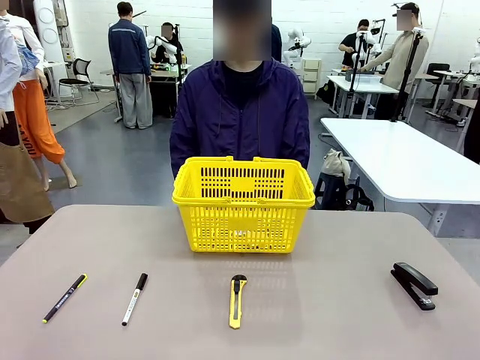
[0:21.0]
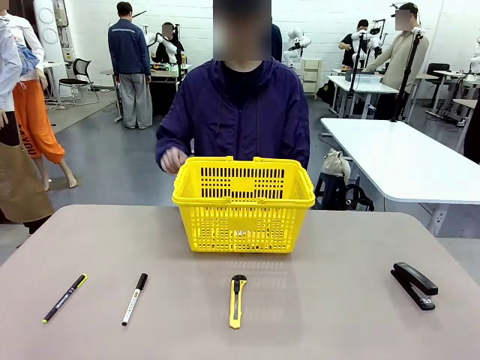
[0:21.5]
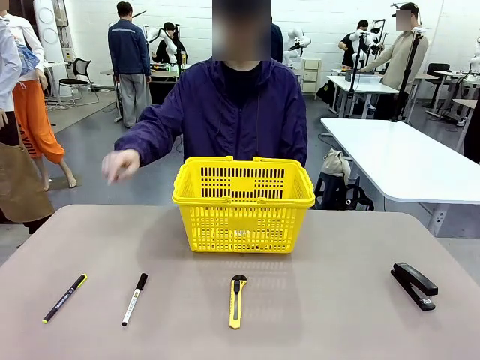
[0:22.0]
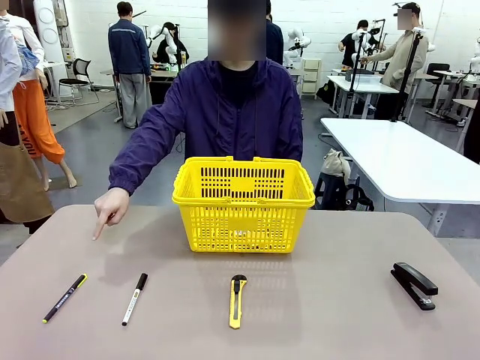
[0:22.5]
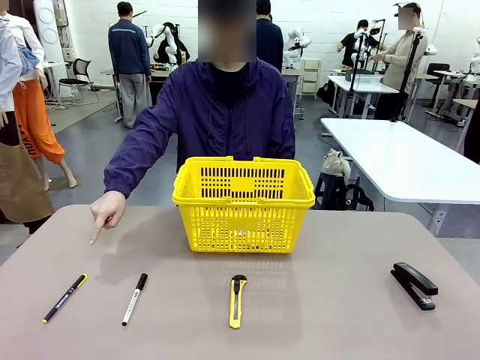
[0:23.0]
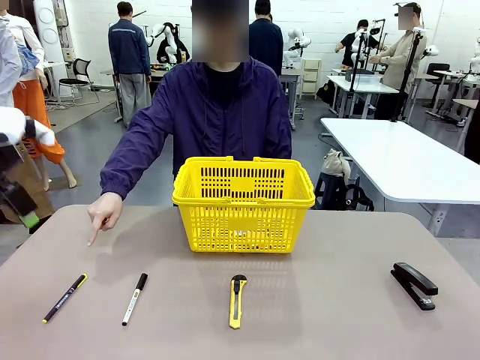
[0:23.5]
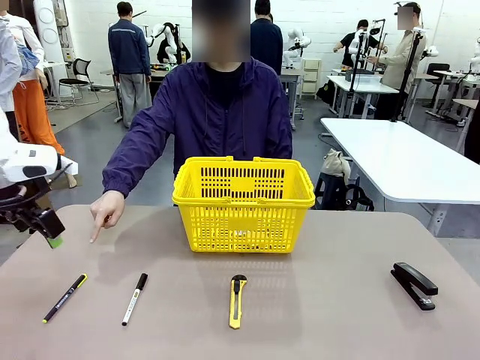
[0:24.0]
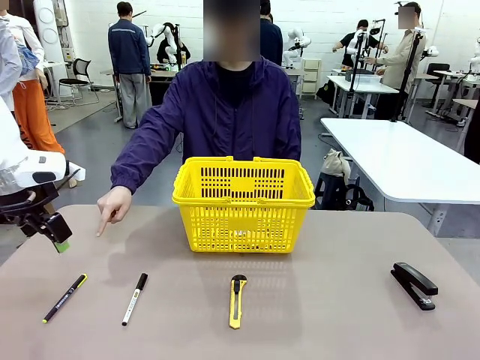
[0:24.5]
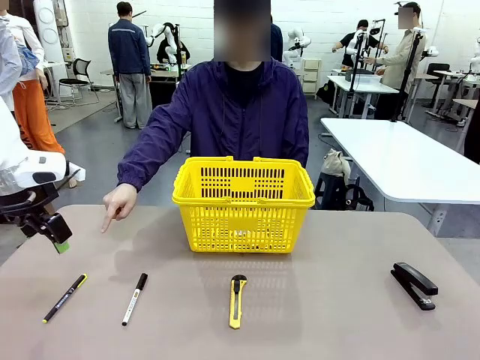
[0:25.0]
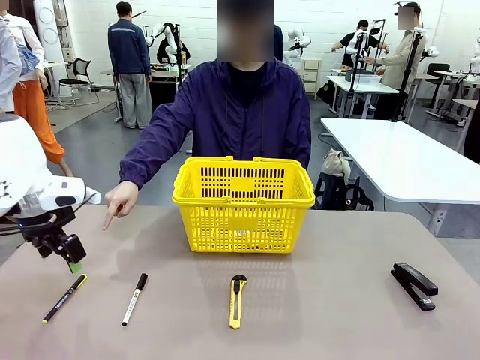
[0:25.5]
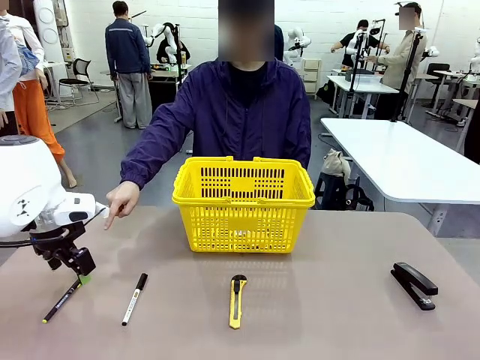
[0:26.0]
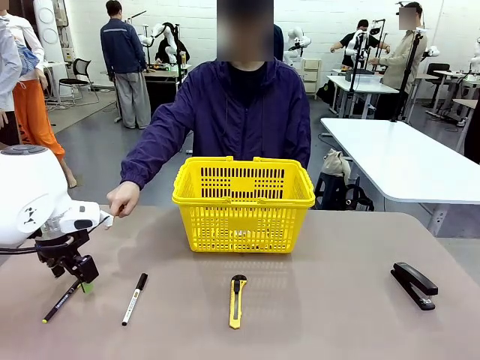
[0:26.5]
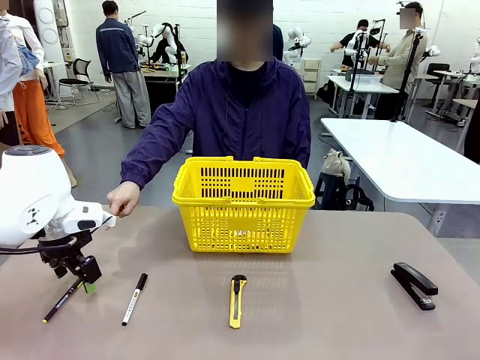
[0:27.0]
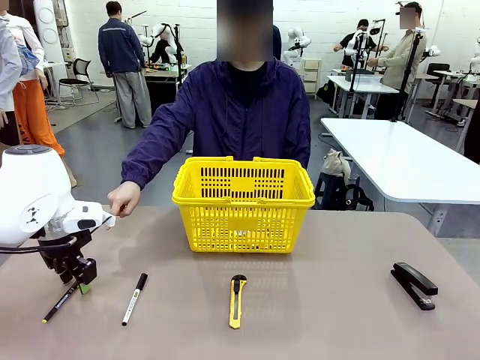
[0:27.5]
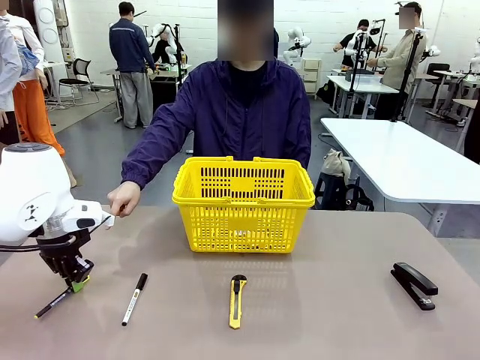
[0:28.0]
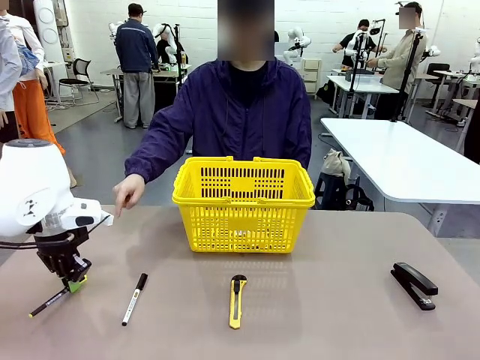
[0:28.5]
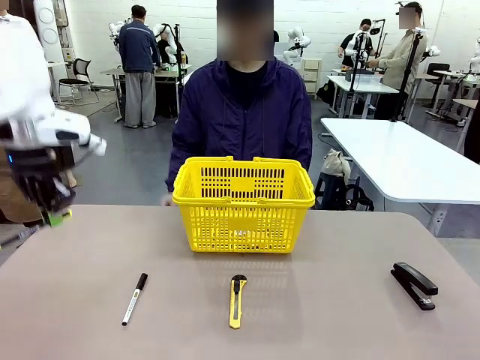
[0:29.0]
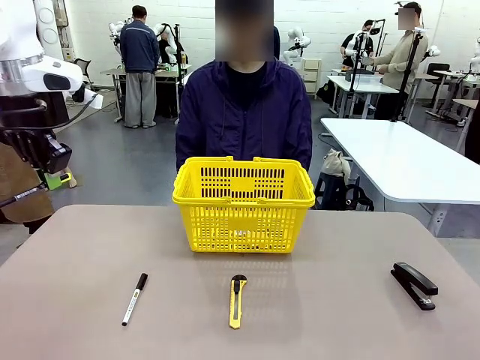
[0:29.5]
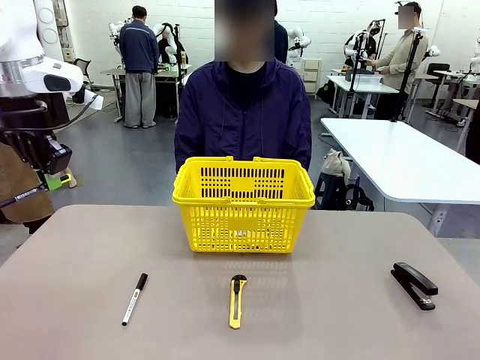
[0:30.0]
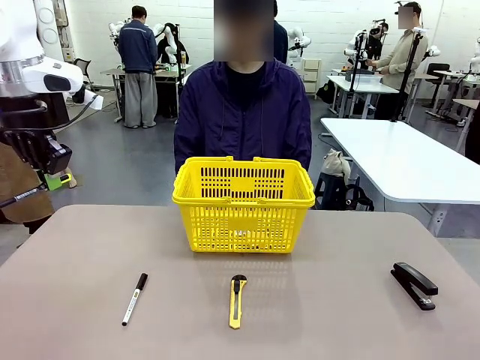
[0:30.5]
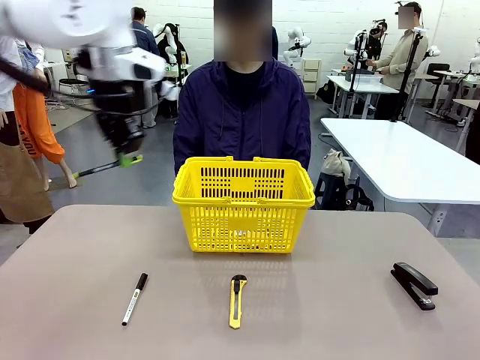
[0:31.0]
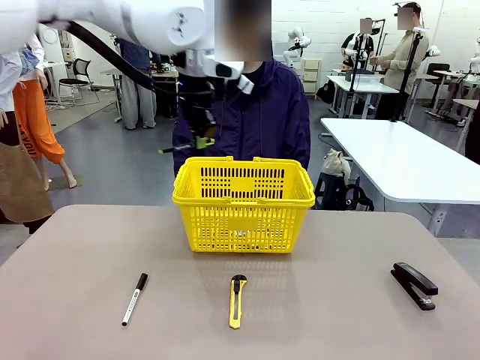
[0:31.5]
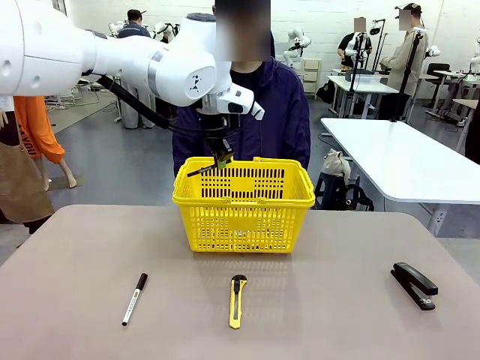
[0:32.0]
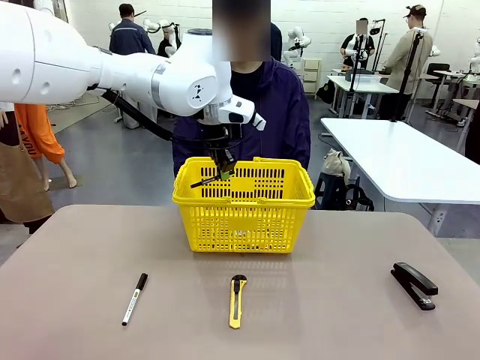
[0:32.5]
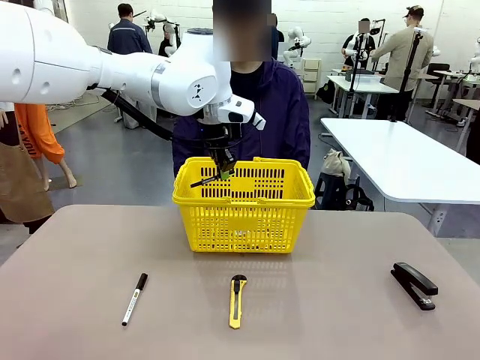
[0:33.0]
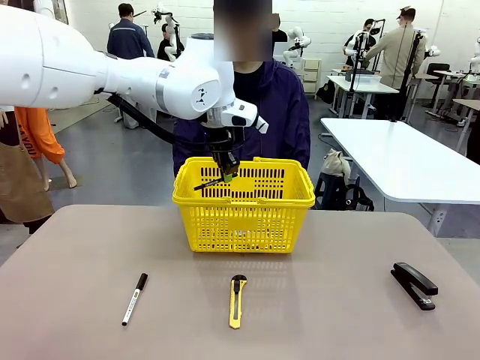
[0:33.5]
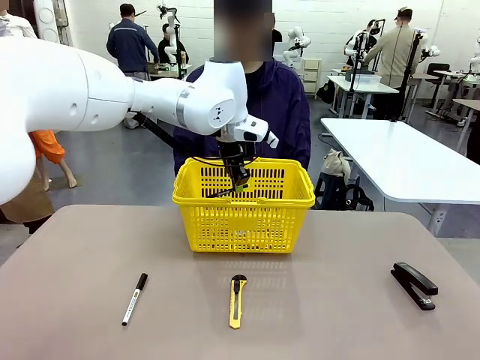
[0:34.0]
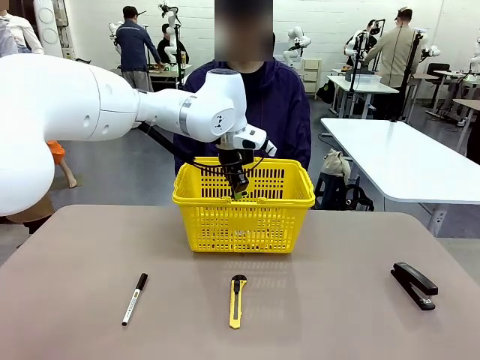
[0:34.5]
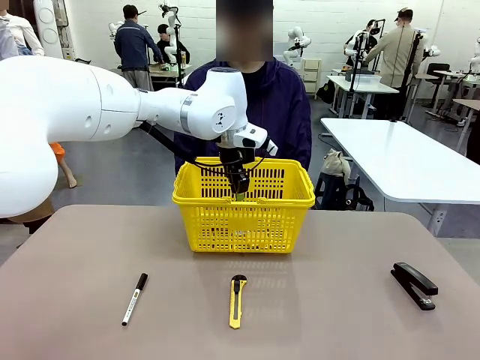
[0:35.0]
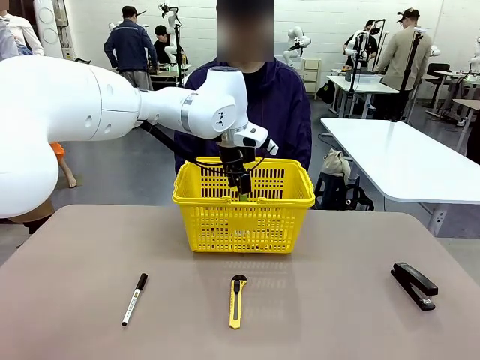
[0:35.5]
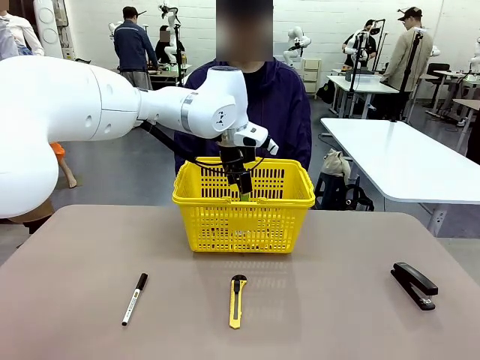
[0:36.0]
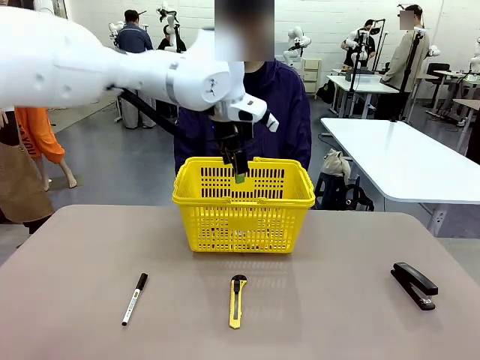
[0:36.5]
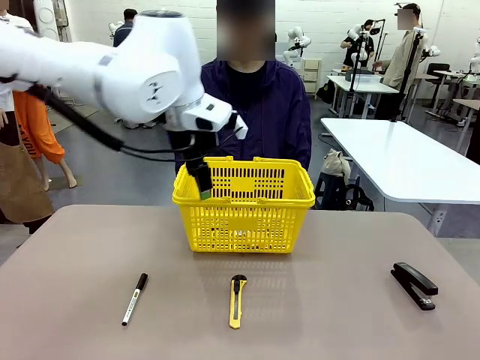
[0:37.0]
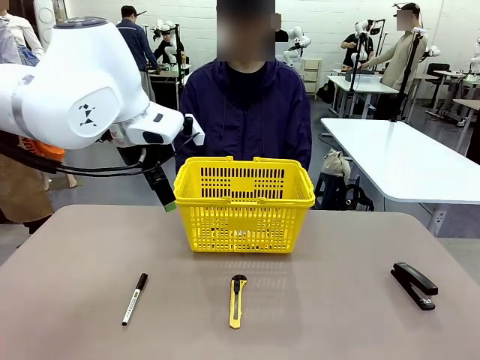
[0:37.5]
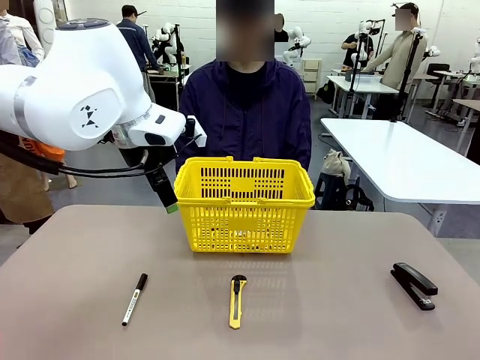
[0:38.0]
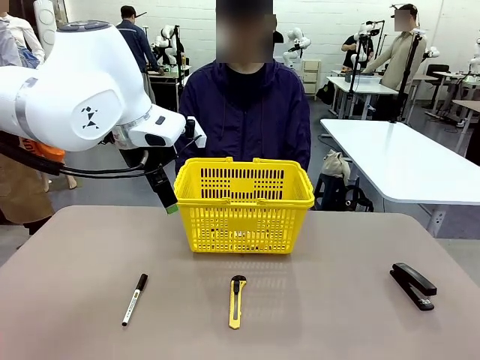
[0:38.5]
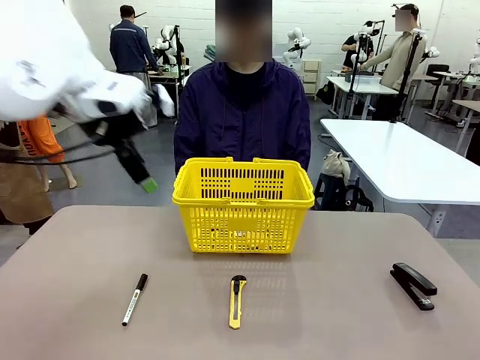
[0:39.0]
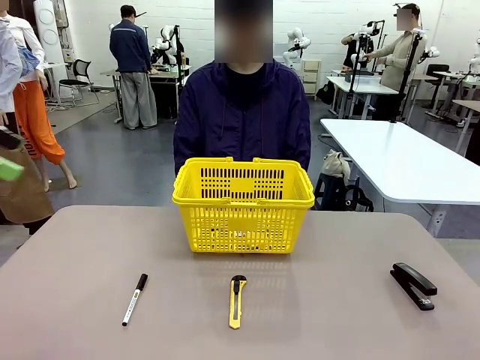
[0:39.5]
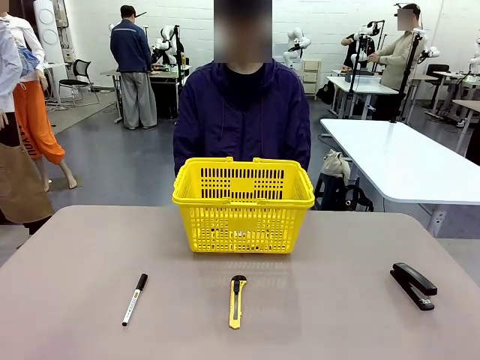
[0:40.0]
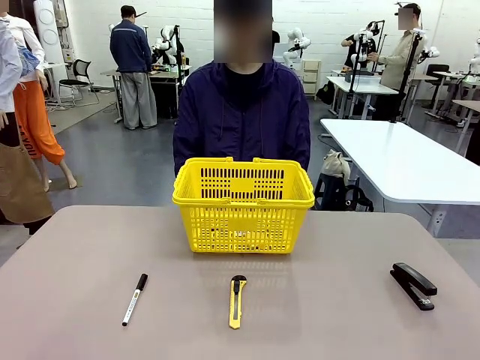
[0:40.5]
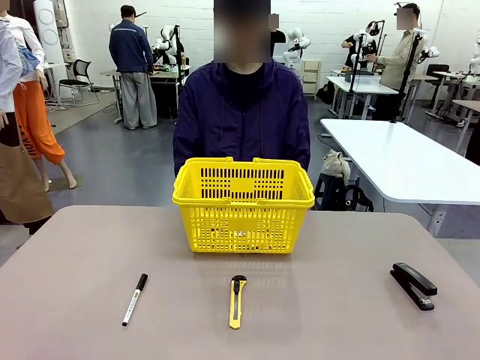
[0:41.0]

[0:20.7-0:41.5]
Task: Place the items the person wants into the basket.
Robot: Pick up the item the person points to and place it in the Market Basket.
